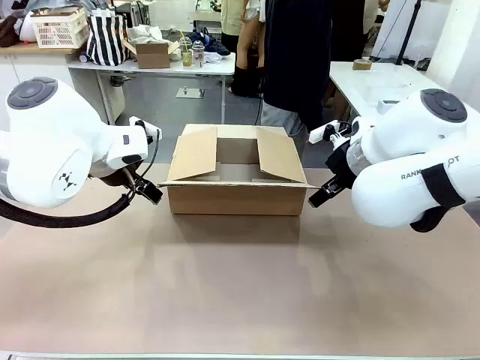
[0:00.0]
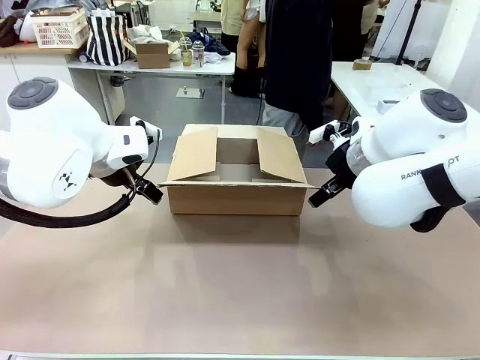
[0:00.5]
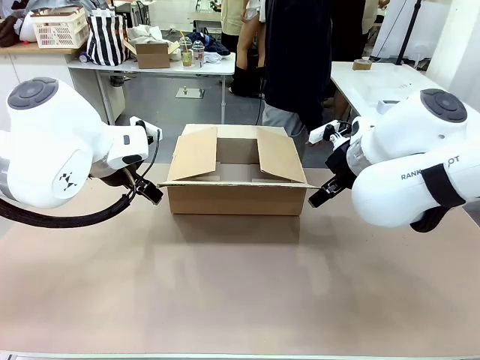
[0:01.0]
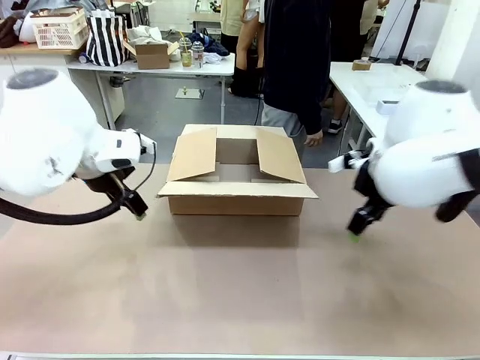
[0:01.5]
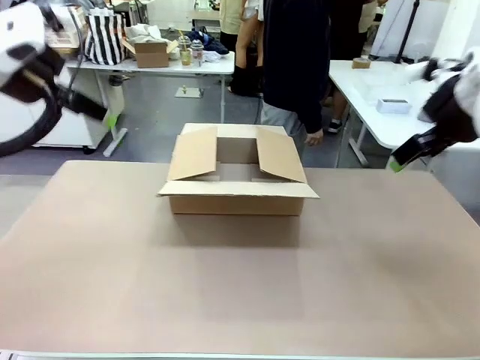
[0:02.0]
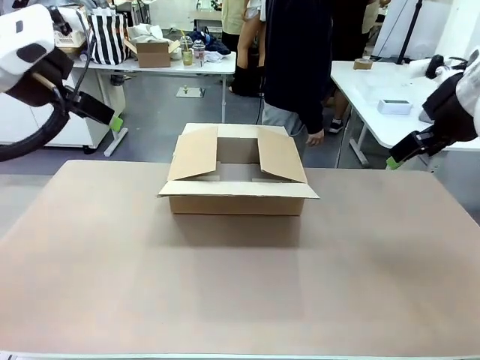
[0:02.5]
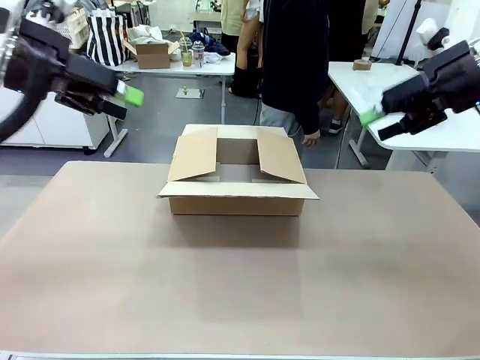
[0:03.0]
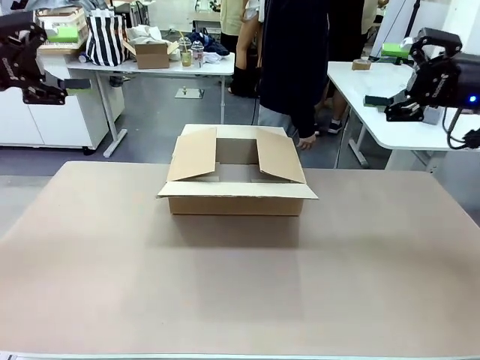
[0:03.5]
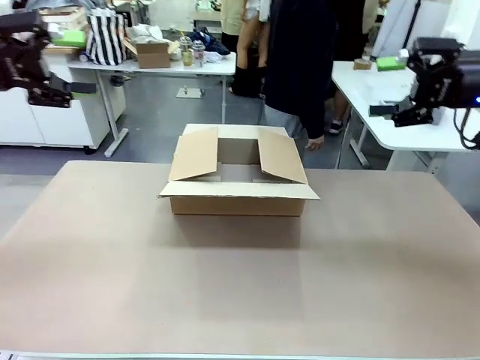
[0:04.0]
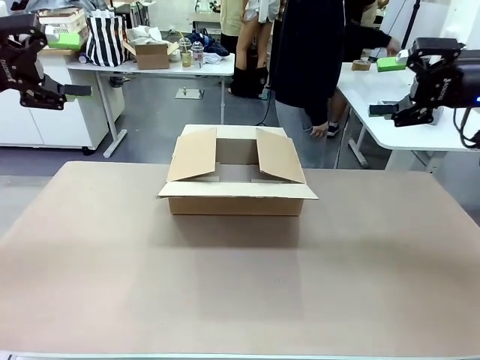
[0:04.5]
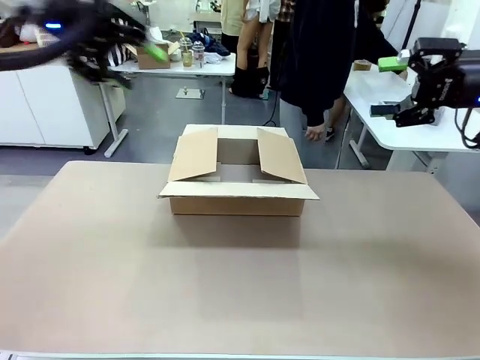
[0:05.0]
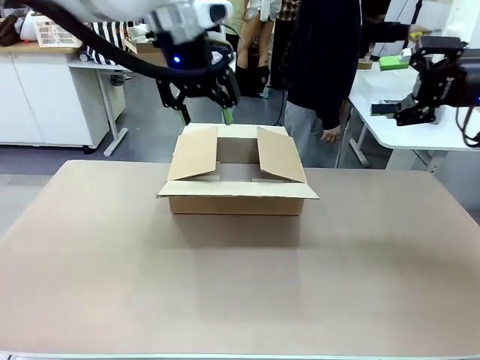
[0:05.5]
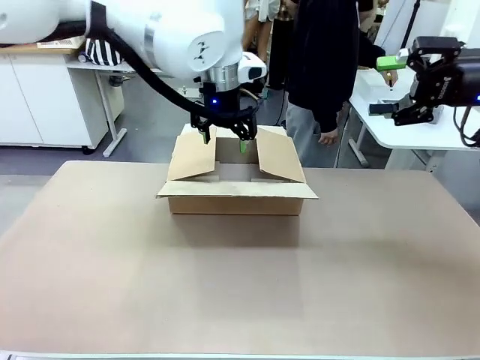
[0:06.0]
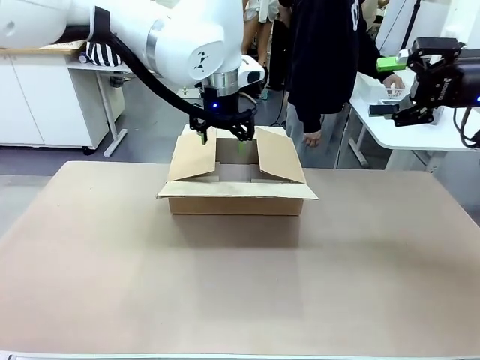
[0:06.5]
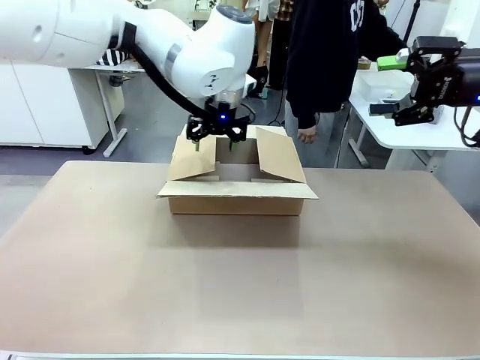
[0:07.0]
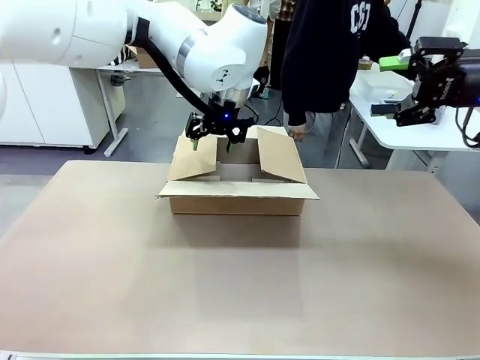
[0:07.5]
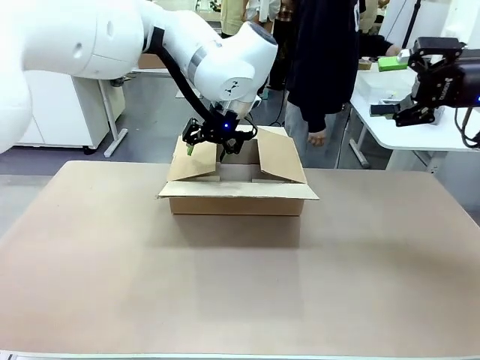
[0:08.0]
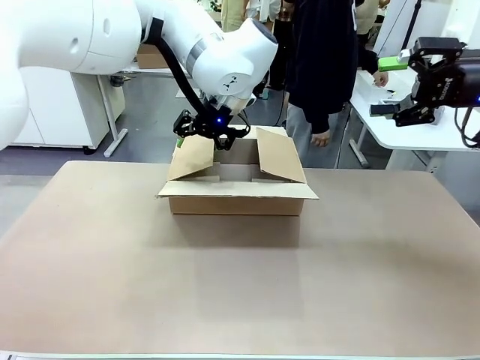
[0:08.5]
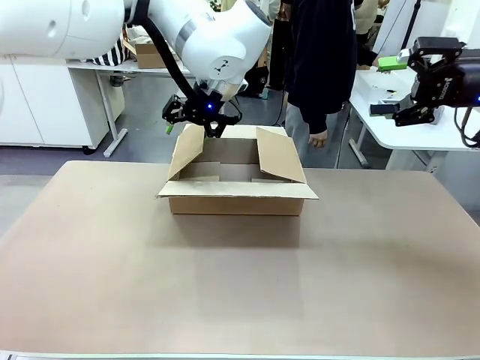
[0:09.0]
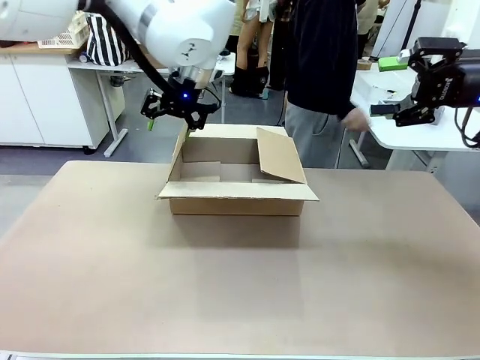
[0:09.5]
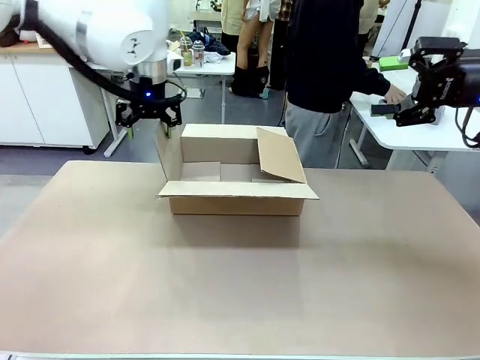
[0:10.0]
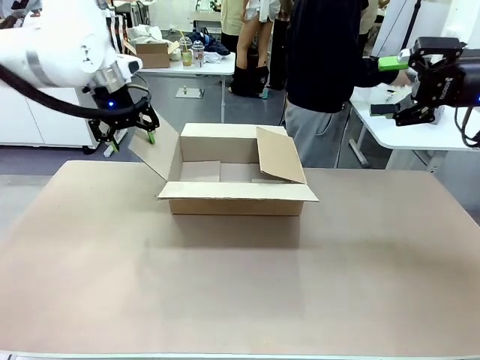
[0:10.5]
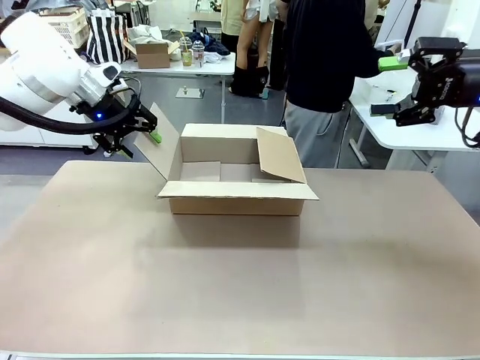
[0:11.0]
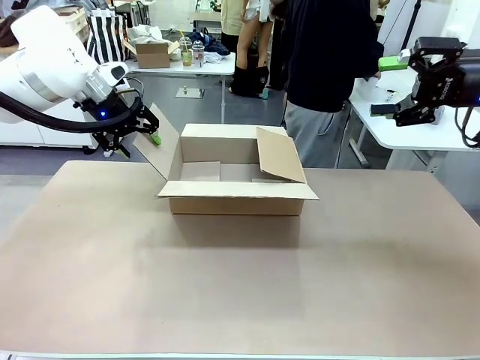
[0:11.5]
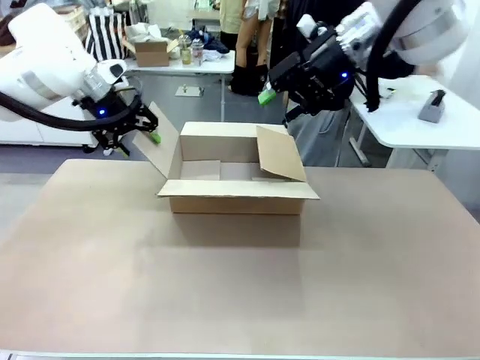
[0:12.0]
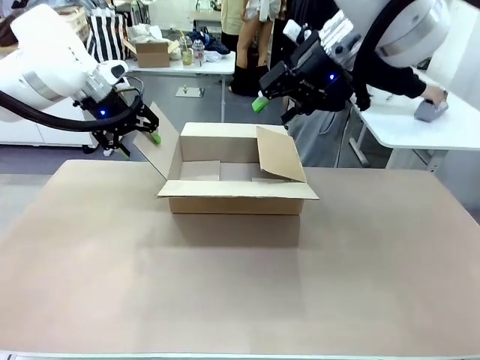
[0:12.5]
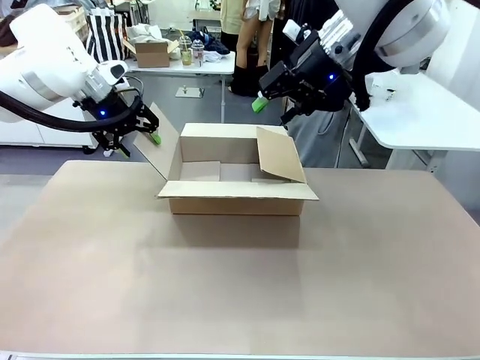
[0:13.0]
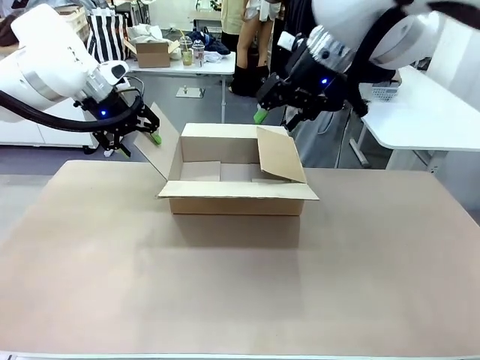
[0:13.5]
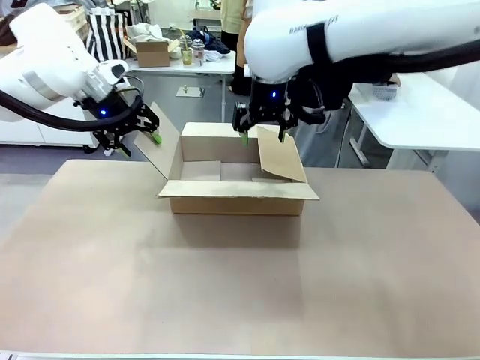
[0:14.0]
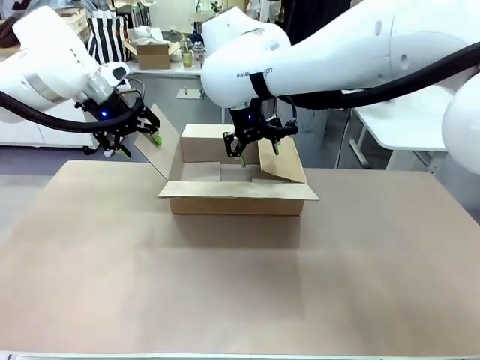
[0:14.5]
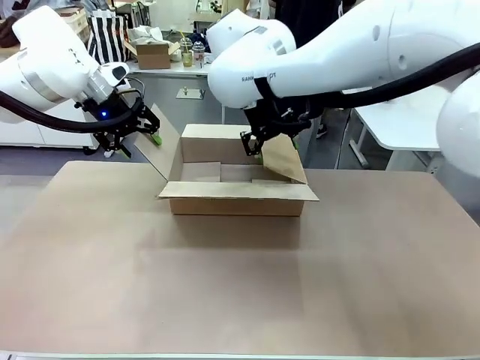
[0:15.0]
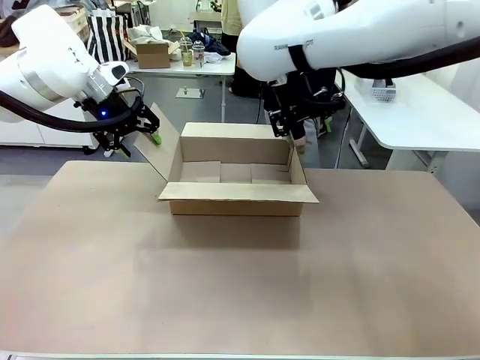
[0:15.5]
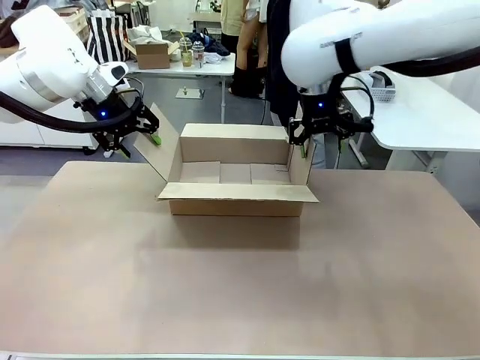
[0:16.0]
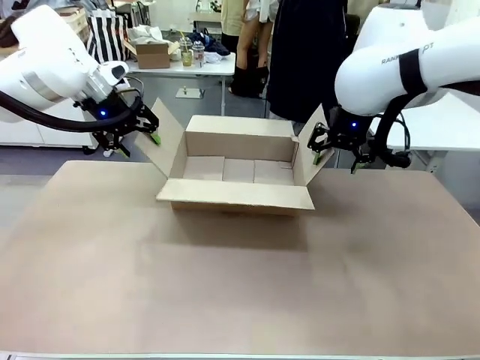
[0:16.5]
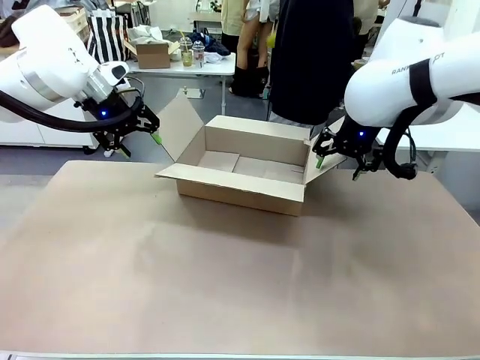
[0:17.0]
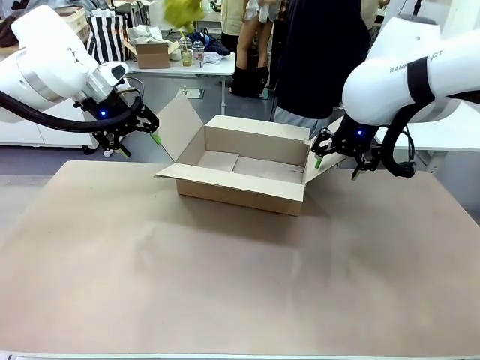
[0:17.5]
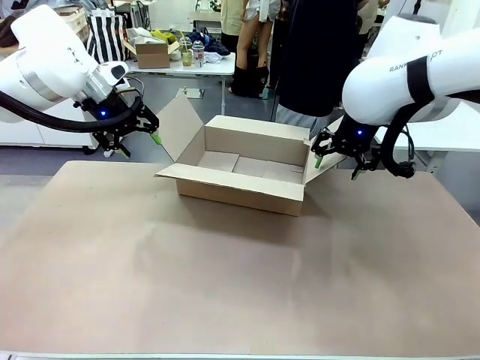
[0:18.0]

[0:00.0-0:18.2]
Task: Pack the gift set into the box.
Robot: Place both hands on the side flaps of the Package Box and spread them outward.
Person: The human places all items except the paper tape into the organizing basket.

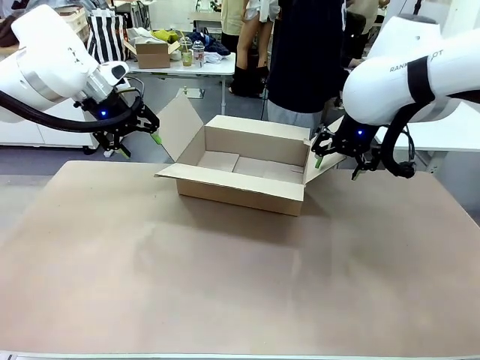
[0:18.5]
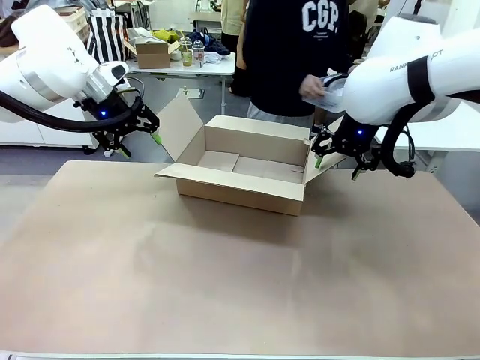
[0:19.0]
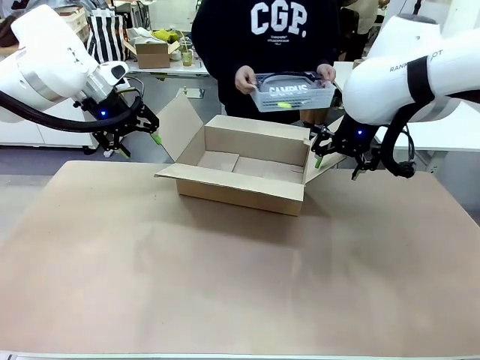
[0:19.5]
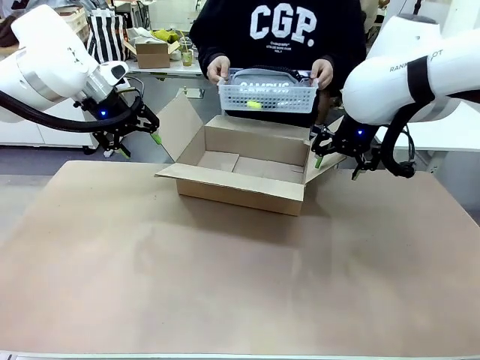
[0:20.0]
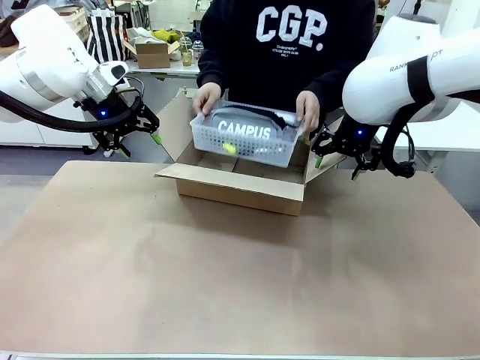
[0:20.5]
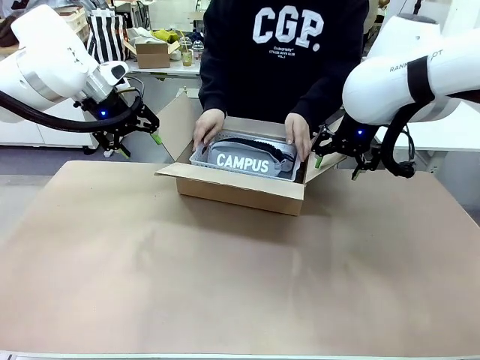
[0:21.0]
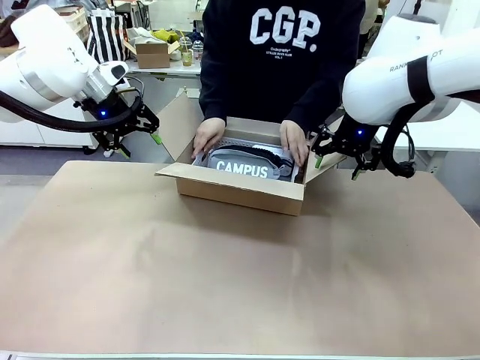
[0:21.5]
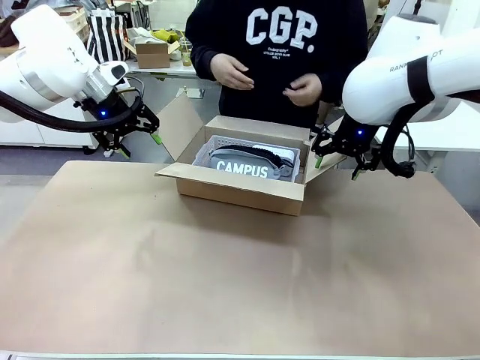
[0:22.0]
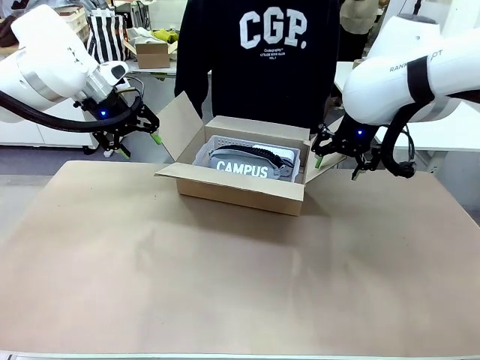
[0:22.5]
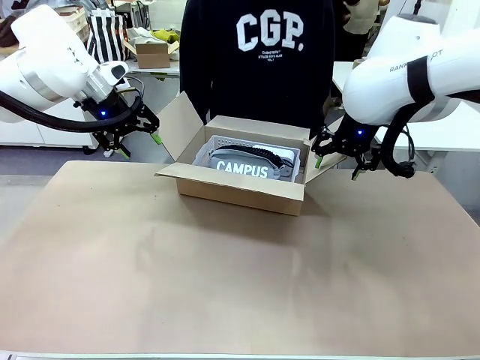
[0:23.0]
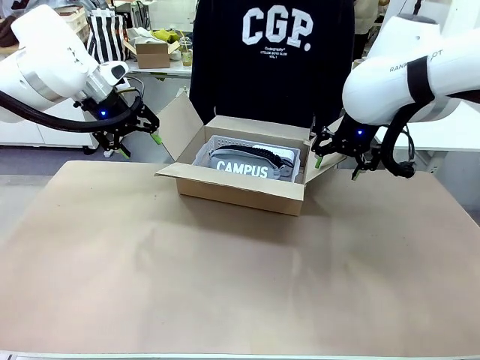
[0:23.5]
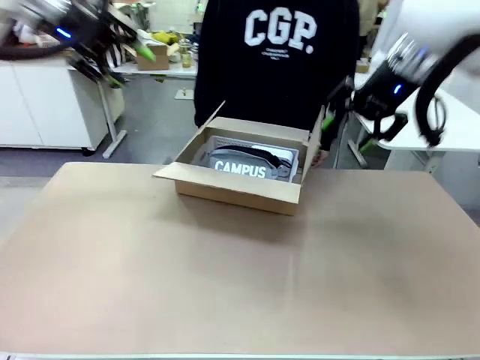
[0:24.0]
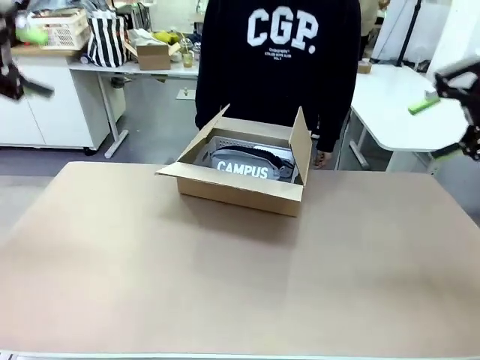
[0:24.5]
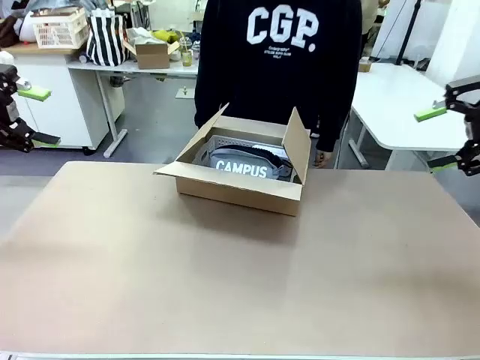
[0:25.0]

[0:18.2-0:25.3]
Robot: Lift both hands away from the flaps of the Package Box.
Person: The human picks up the organizing basket and places the organizing basket into the package box on the robot table.
